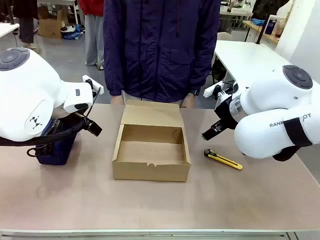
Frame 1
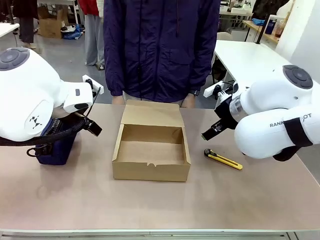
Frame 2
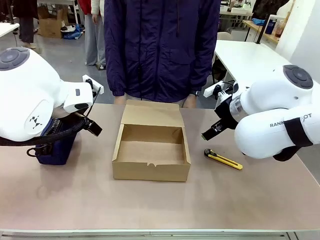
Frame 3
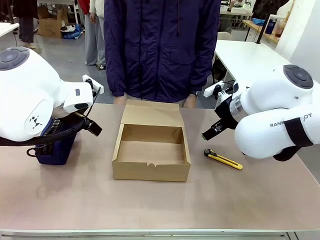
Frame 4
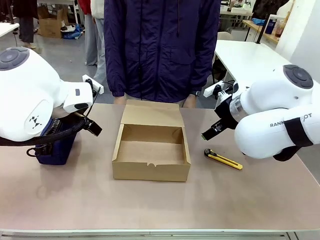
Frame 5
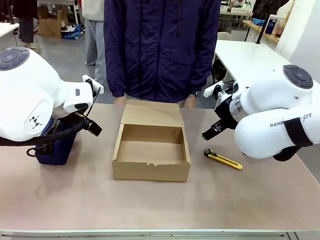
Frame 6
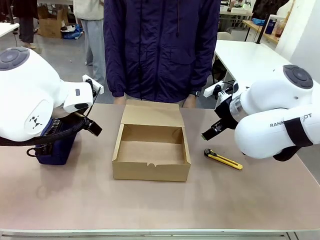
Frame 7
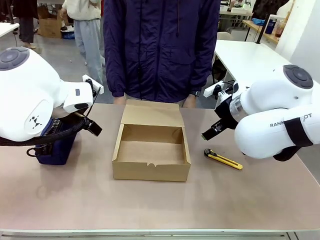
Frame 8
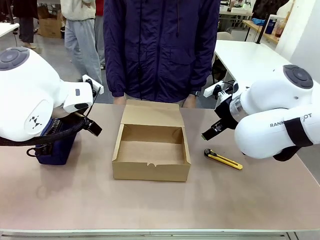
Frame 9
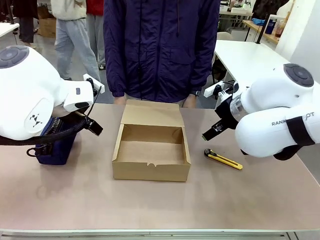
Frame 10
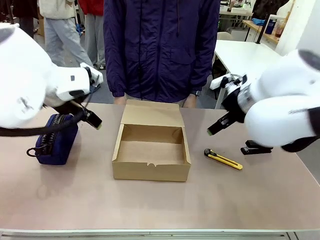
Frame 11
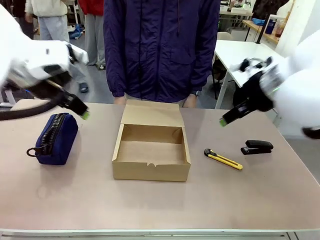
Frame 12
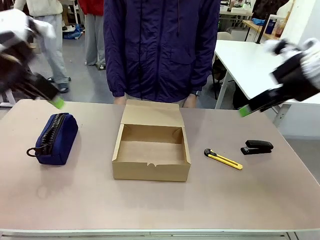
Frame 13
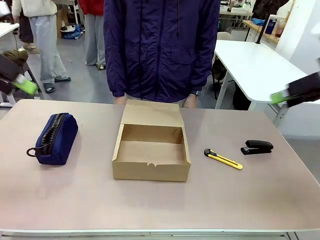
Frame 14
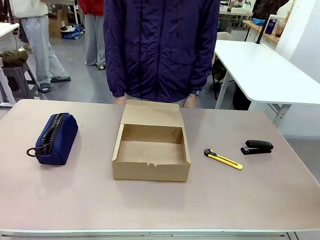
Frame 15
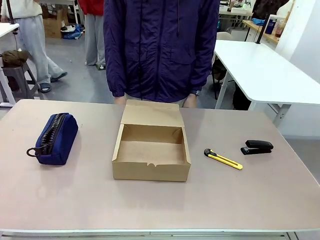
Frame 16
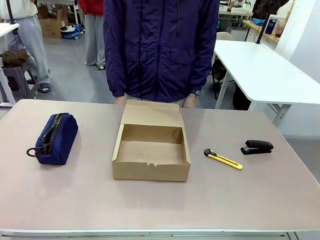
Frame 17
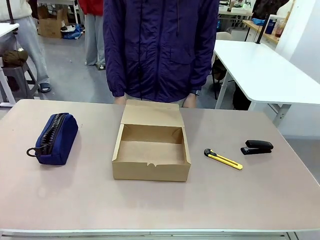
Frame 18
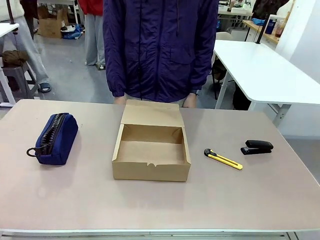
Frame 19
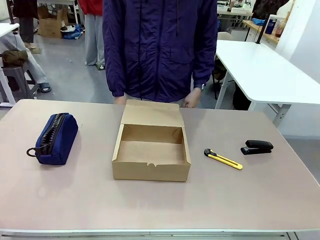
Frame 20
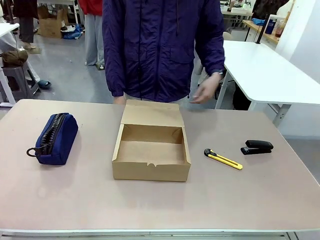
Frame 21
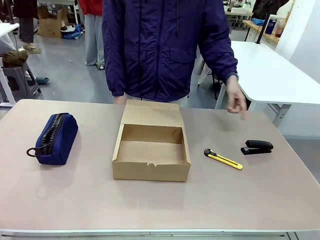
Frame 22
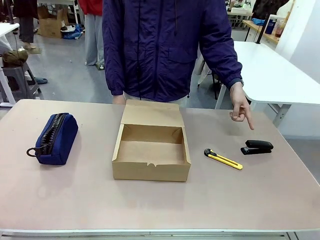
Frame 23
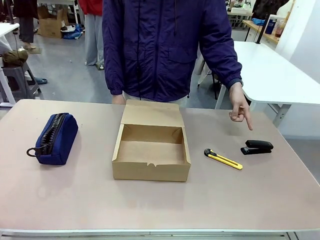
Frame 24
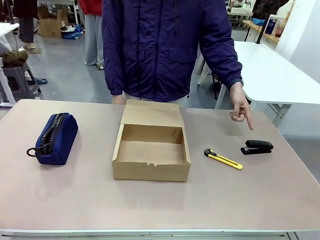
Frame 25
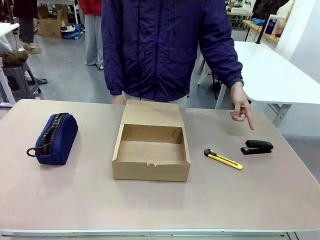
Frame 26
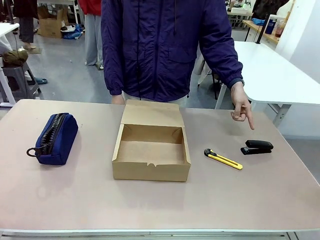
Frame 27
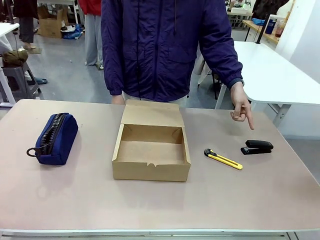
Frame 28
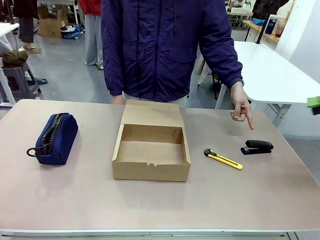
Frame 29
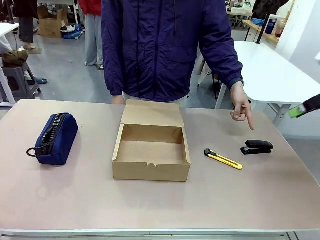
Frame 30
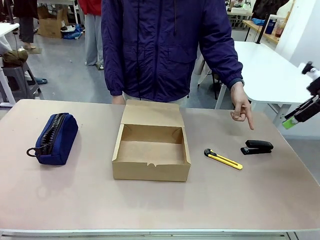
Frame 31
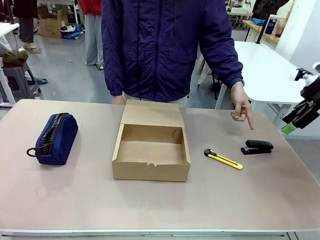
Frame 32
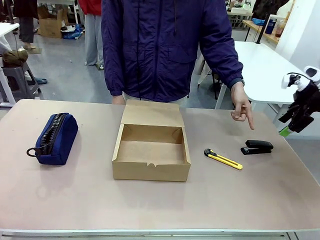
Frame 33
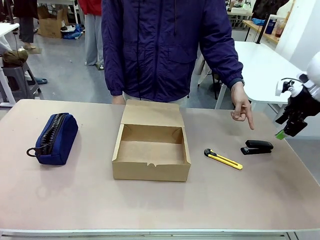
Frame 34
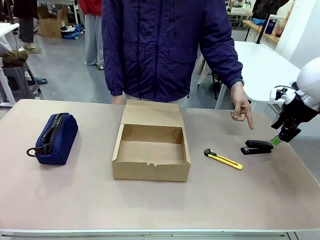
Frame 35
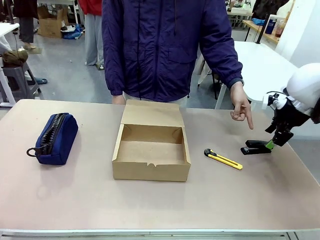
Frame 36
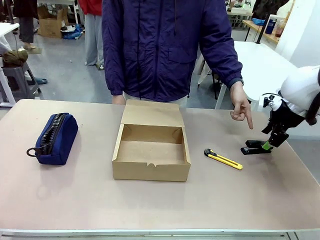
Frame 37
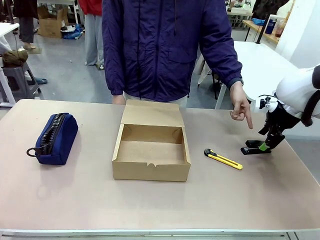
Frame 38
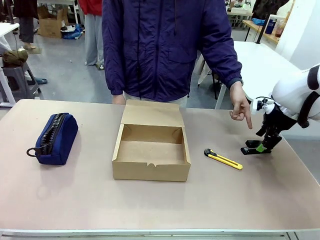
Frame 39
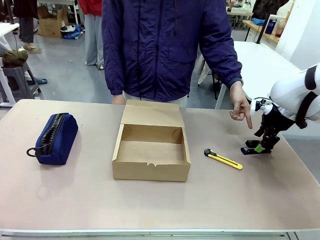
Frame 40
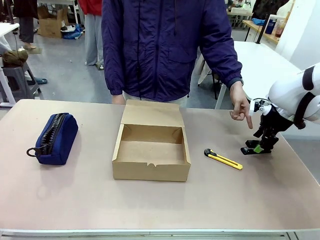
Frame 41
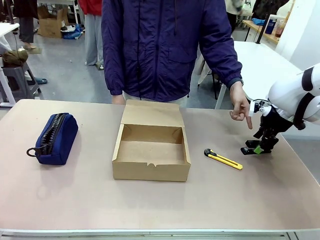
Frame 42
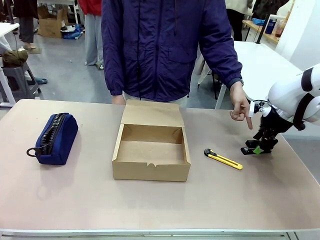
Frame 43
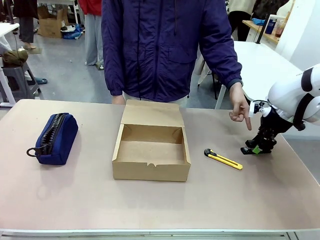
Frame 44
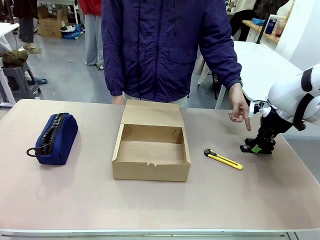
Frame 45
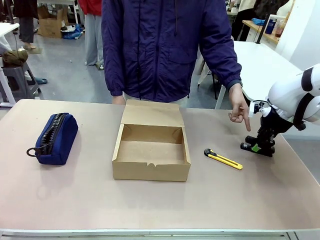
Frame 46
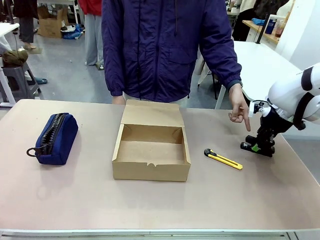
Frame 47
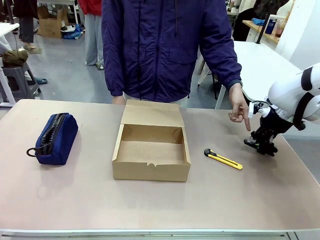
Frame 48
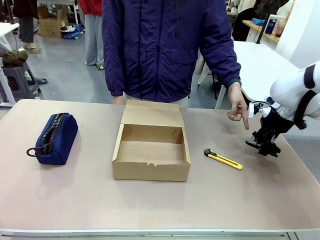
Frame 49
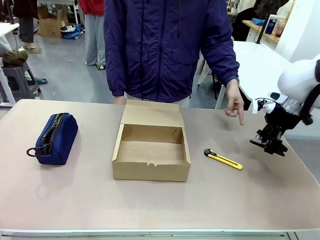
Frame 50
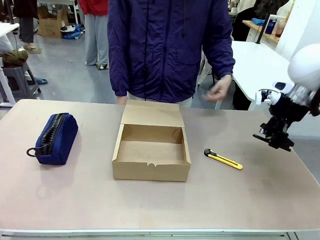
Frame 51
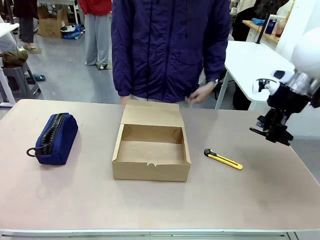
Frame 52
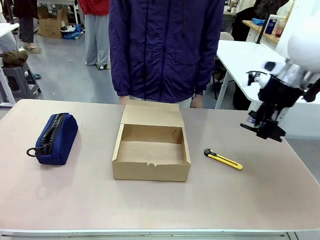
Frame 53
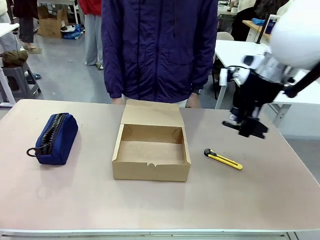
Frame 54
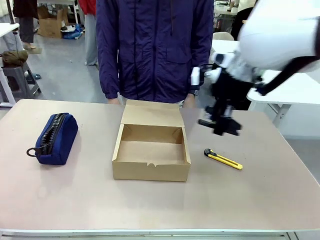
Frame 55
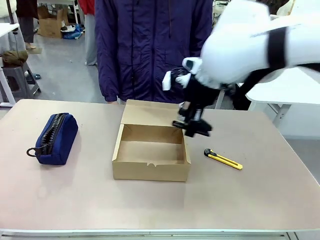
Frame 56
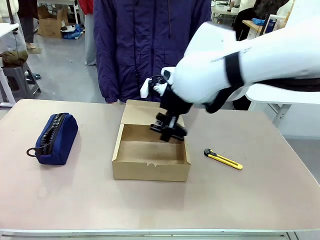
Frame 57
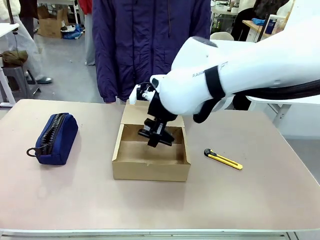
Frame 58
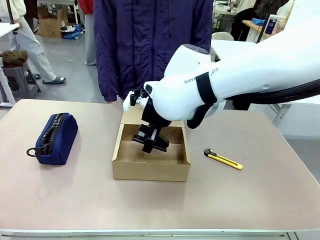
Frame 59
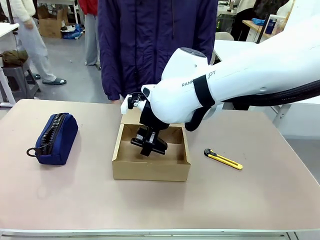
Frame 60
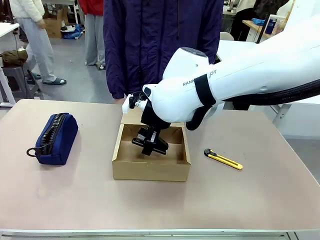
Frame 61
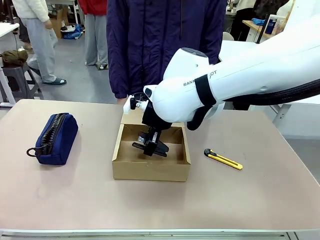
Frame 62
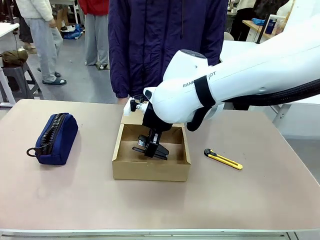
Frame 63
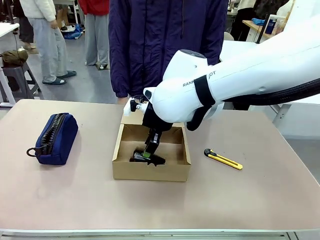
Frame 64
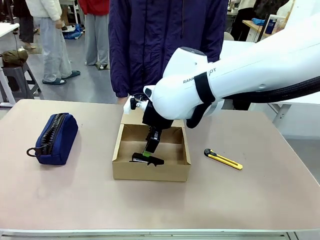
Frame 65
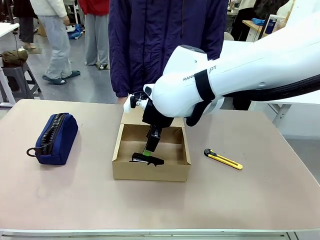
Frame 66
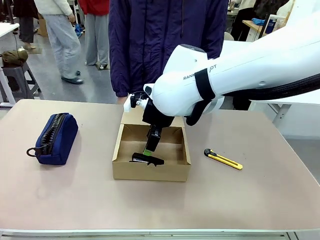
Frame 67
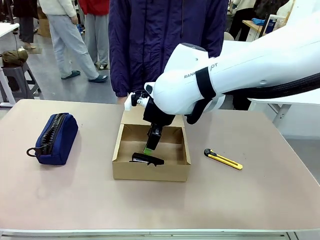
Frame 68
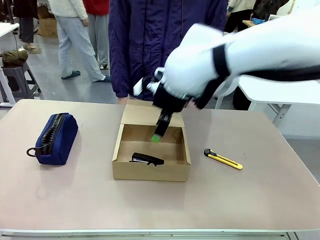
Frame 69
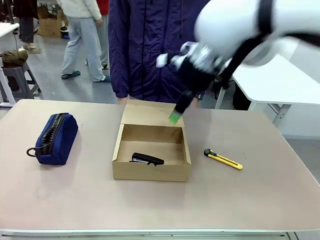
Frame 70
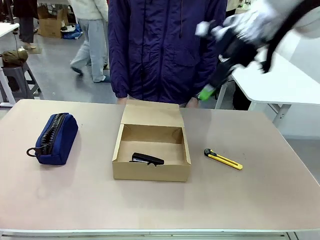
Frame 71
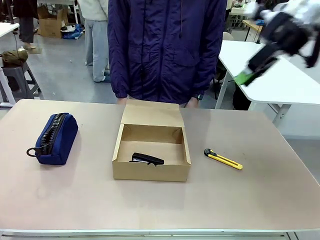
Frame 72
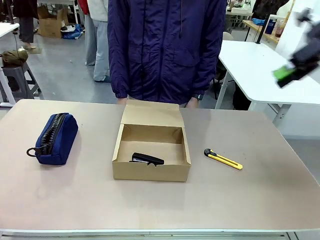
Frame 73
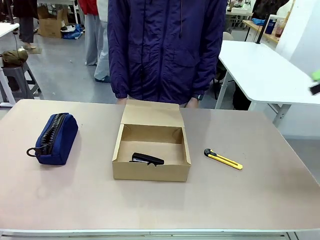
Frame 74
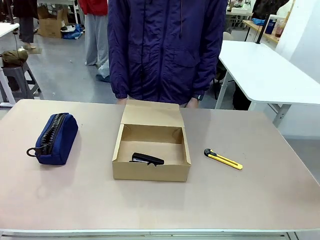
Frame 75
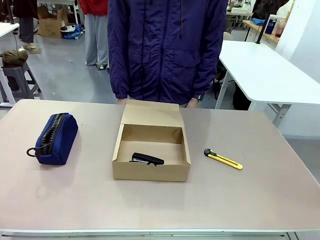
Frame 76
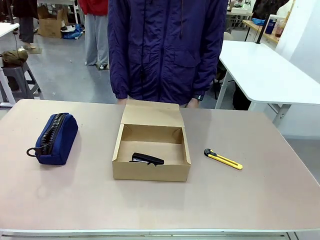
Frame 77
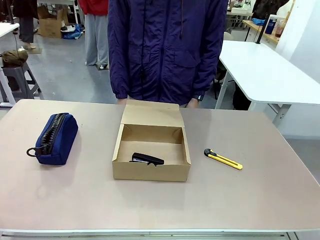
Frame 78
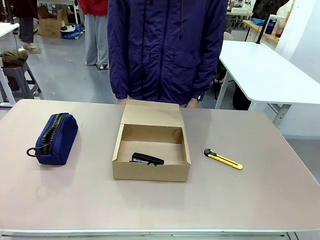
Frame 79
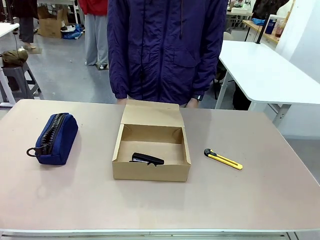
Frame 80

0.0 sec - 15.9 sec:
Task: Pack the item into the box.
Robot: Pick up the item indicated by the person and place it inside the Mailer Box.
Person: Point at one item on the table (excluding the box).
